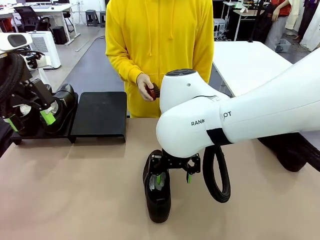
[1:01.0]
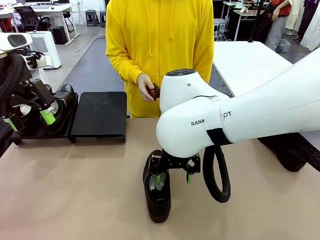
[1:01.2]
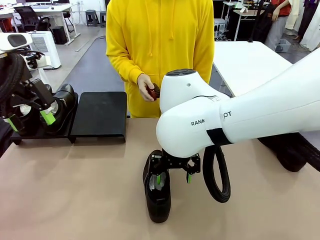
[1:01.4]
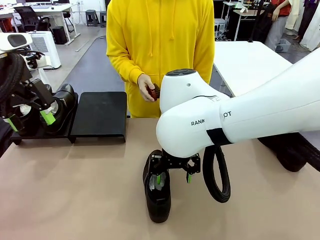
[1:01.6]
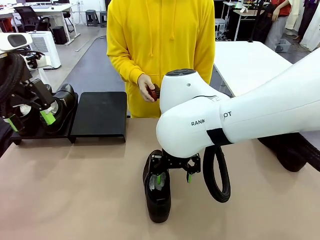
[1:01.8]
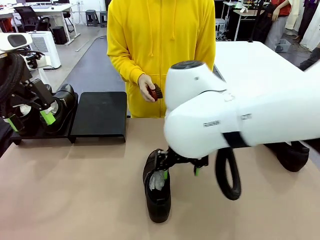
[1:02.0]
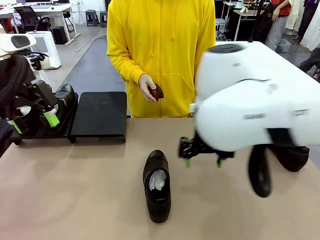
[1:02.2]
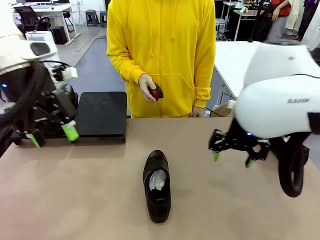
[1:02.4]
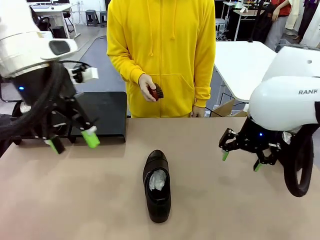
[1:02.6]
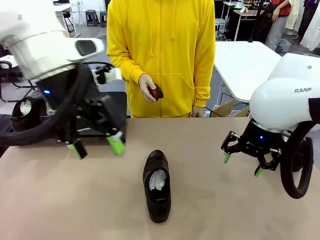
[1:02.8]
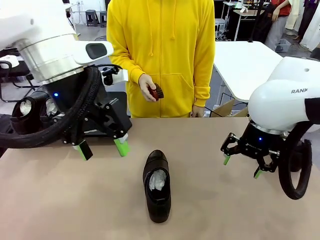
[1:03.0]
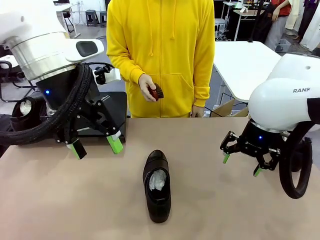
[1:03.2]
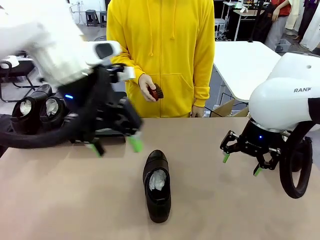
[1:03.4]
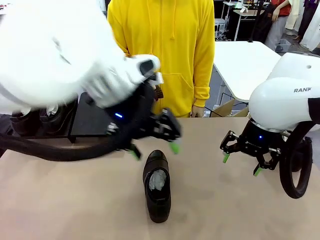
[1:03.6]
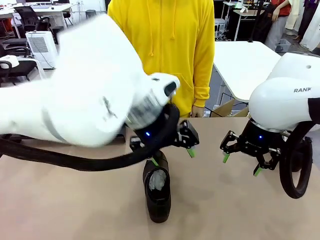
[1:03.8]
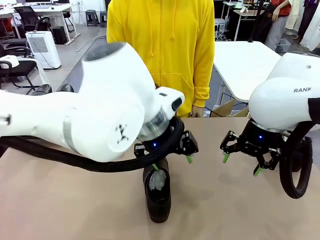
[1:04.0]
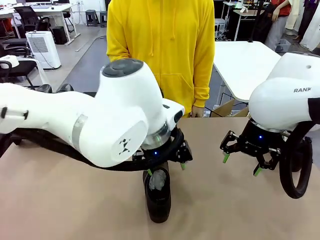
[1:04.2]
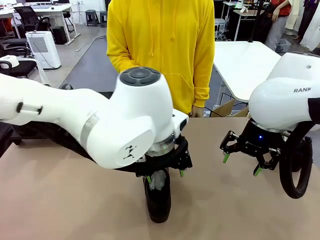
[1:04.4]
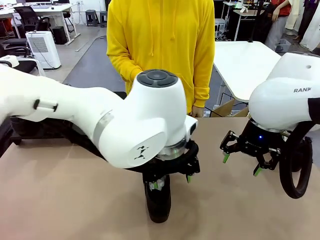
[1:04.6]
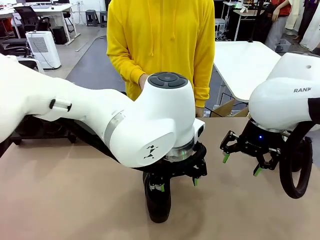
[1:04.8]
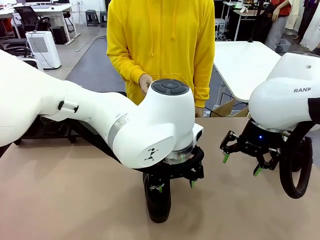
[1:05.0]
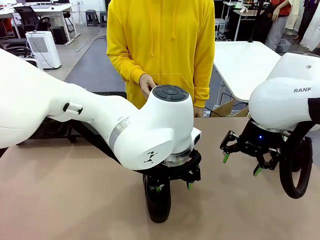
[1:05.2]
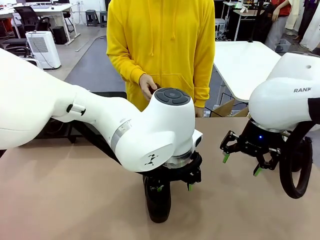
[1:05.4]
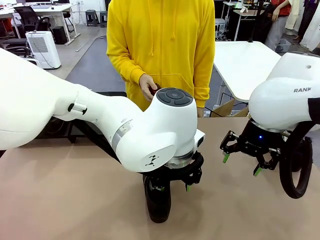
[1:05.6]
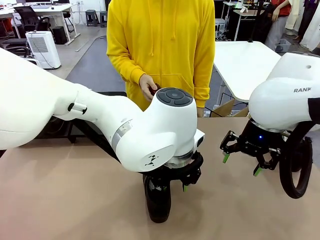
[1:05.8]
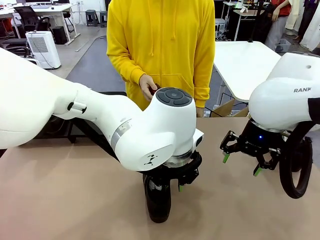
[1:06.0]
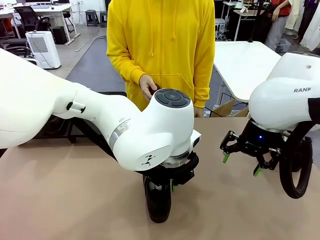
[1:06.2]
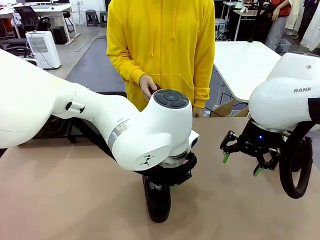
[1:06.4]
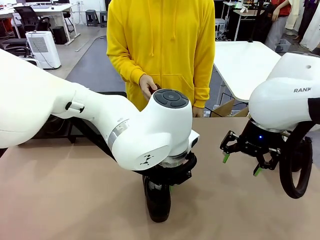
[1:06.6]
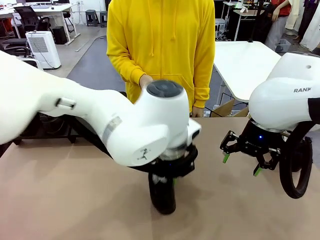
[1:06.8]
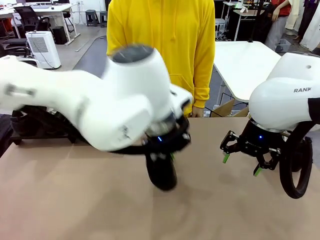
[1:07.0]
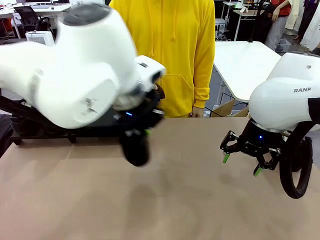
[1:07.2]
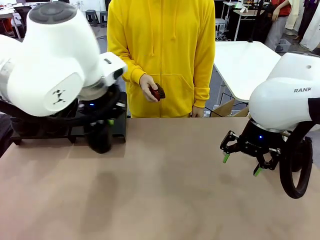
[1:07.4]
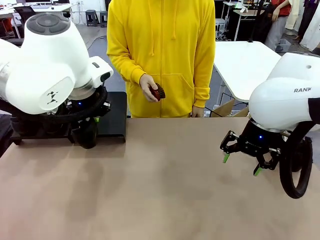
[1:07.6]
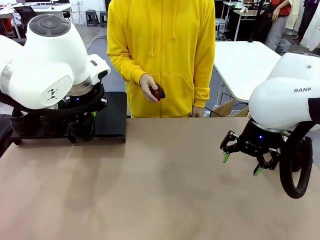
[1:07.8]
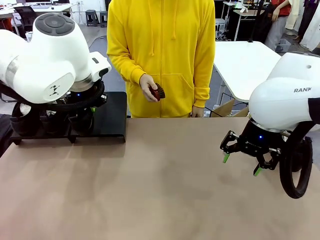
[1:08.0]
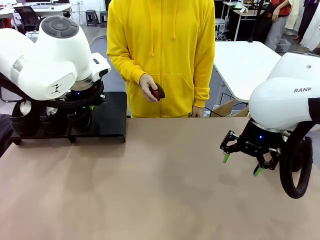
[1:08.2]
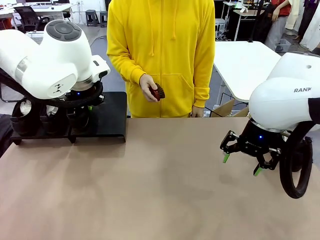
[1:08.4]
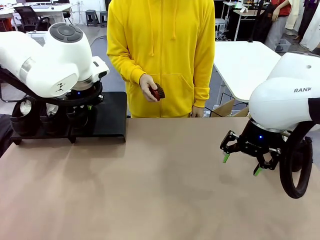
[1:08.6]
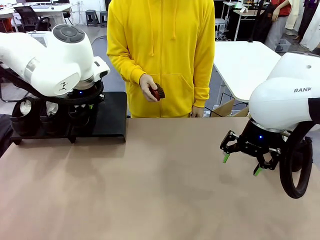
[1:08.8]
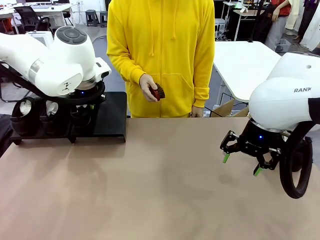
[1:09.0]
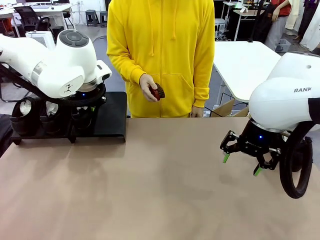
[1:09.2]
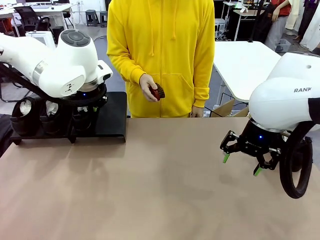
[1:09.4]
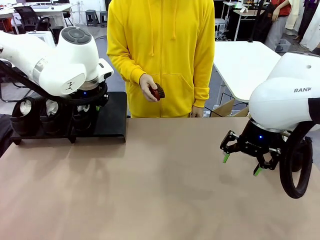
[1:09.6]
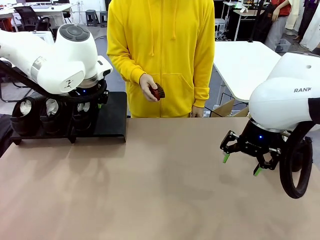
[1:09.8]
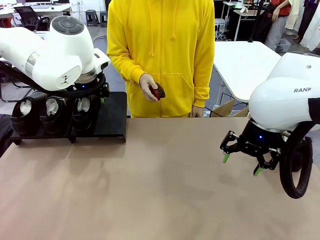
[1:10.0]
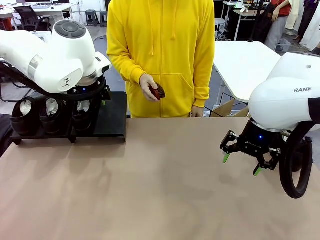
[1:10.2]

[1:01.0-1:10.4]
Task: Organize the shoes by placing them on the stand.
Robot: Place the Shoe from the middle of the table onto the Shoes Stand.

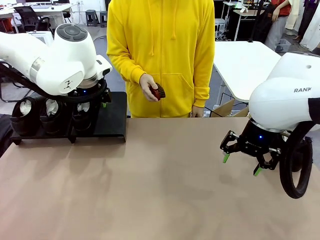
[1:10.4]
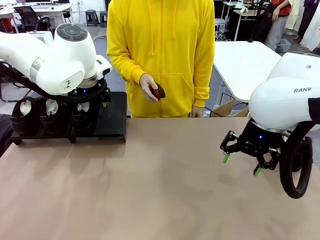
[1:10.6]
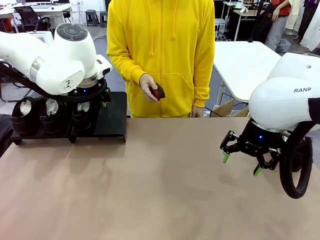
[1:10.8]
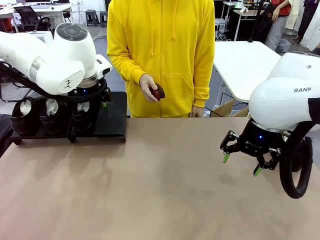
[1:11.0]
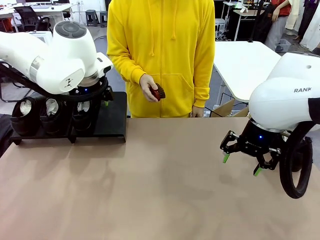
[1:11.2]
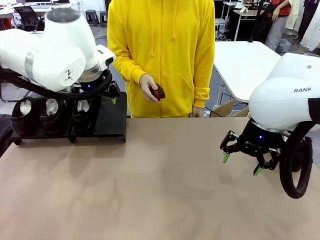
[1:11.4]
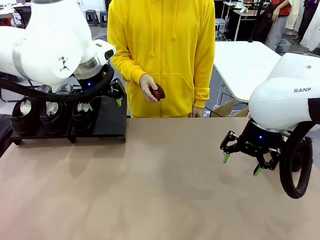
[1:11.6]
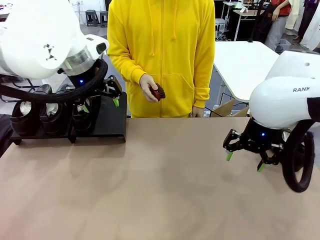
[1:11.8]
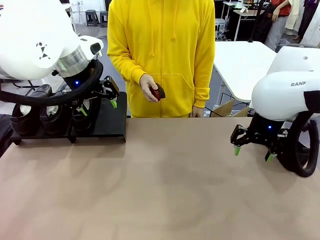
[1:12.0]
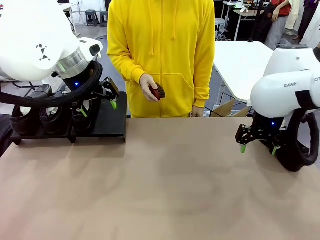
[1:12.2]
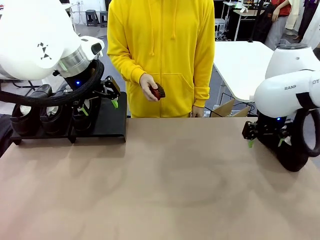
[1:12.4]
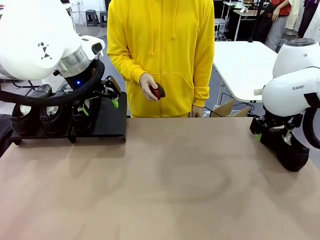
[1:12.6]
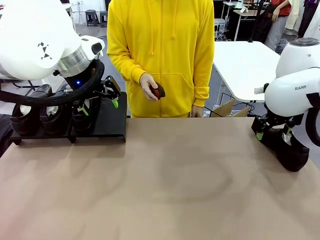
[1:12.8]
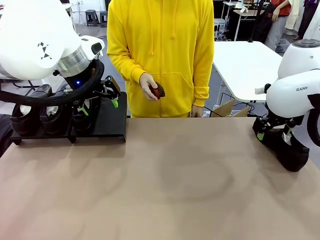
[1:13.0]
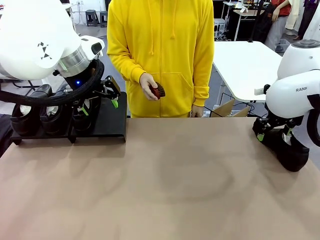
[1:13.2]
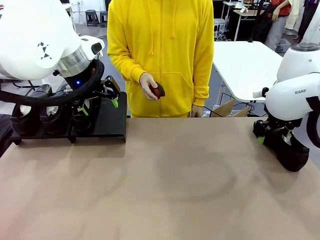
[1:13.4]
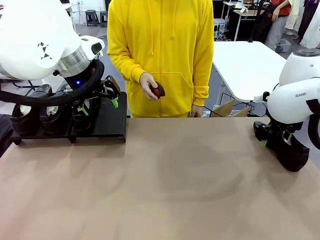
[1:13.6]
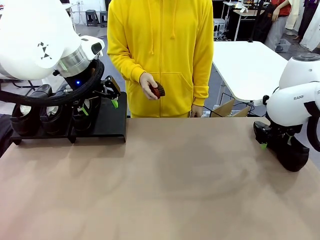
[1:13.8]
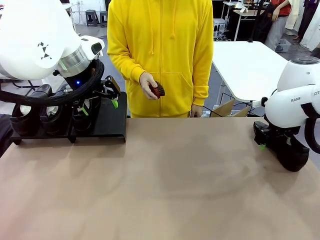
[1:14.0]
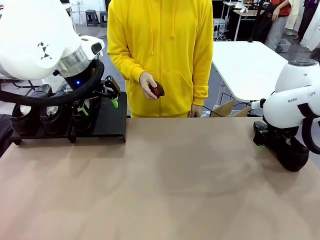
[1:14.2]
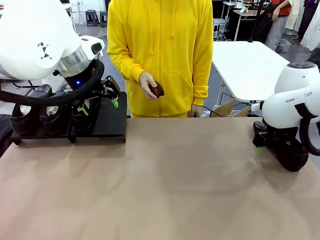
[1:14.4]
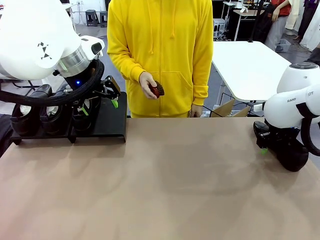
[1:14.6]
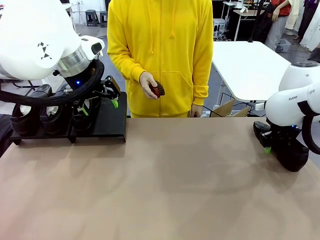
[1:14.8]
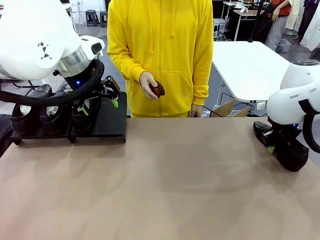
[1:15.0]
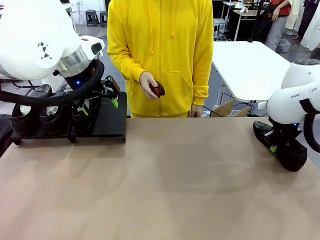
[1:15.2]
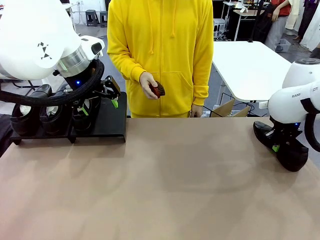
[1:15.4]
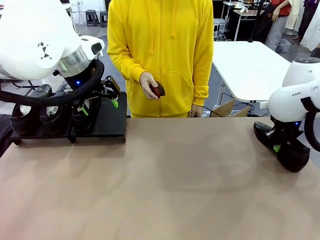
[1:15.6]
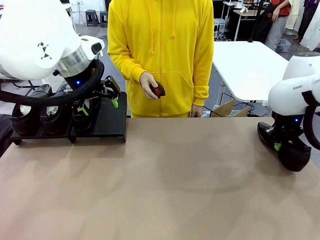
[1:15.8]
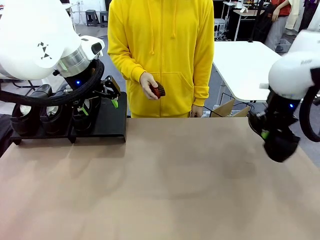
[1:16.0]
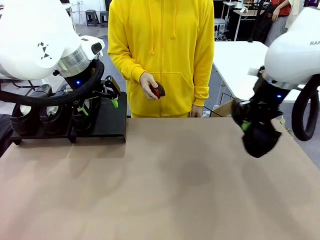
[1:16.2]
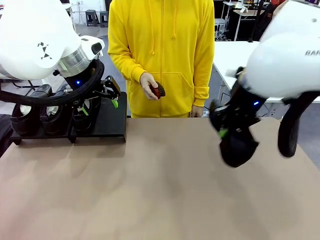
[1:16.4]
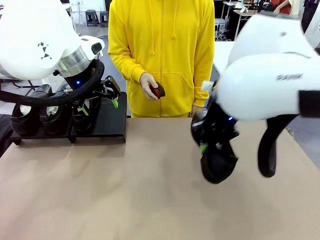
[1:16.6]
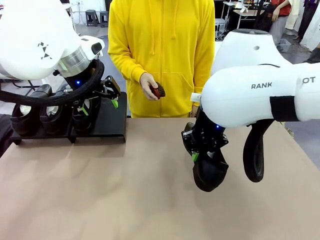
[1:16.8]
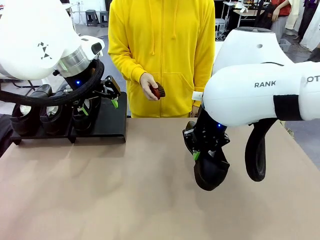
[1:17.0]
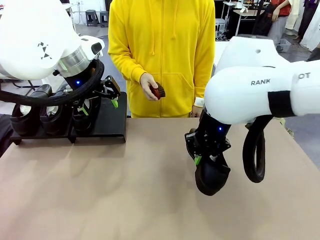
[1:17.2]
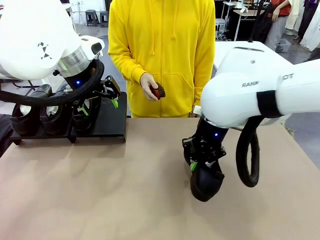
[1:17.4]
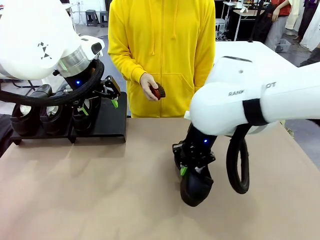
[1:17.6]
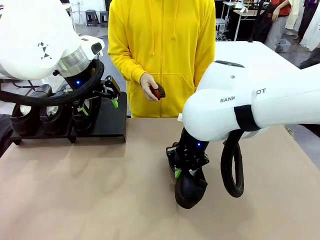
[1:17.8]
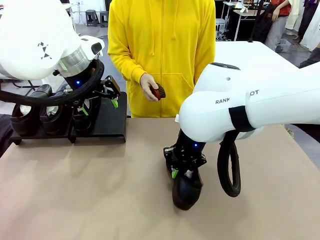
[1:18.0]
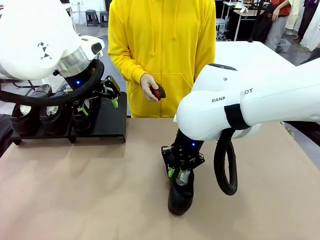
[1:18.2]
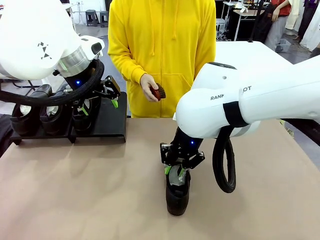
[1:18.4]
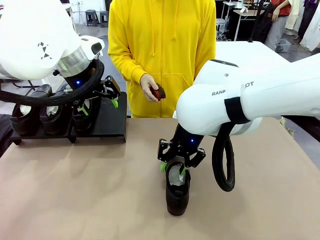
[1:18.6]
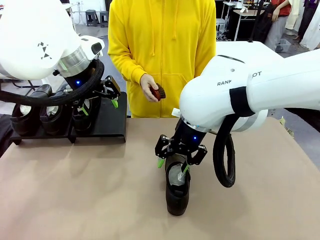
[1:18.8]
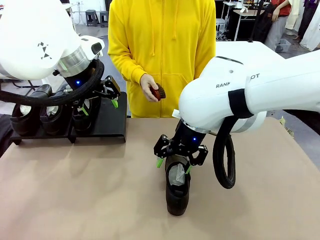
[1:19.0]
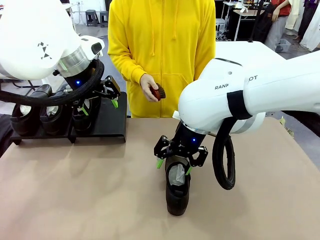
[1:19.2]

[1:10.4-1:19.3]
Robot: Pick up one Shoe and place it in the middle of the table.
